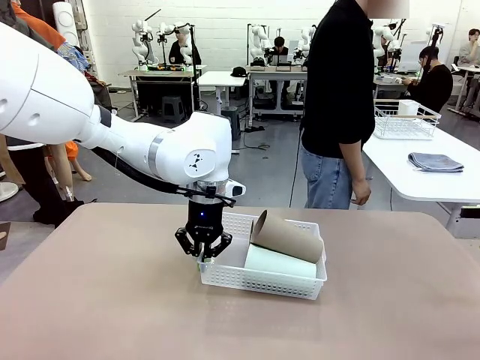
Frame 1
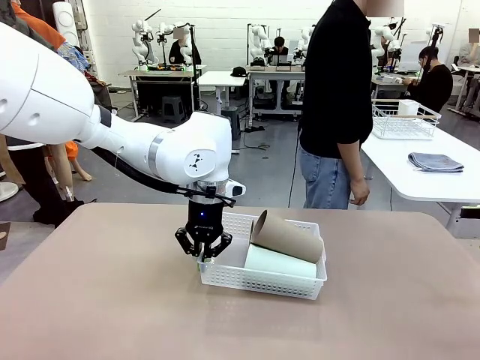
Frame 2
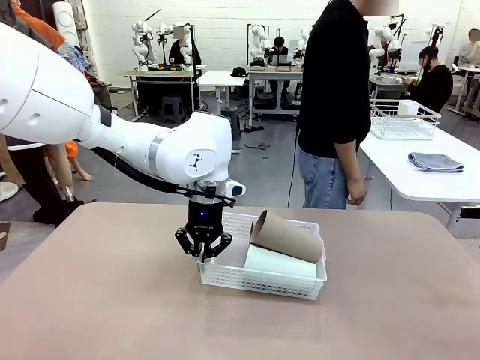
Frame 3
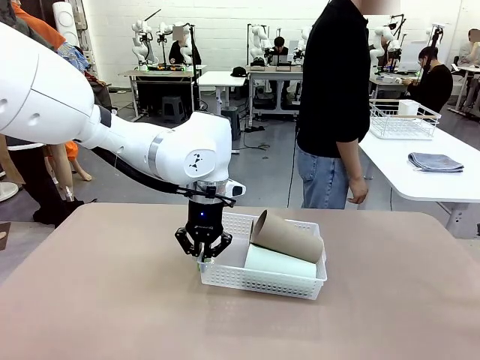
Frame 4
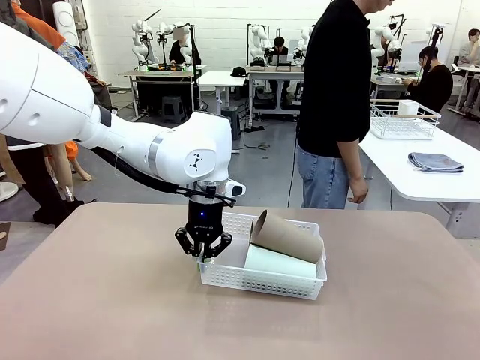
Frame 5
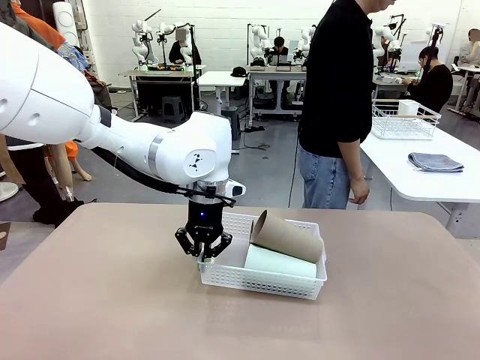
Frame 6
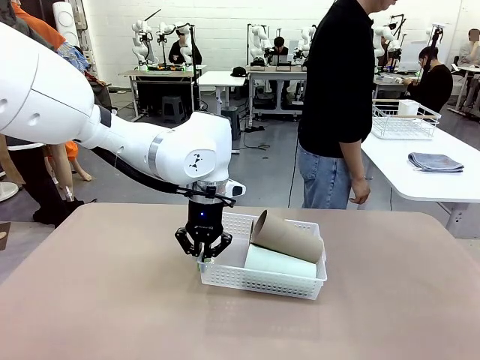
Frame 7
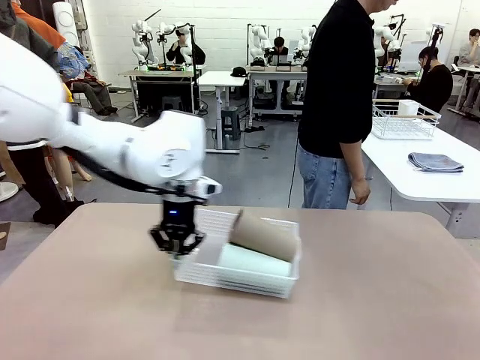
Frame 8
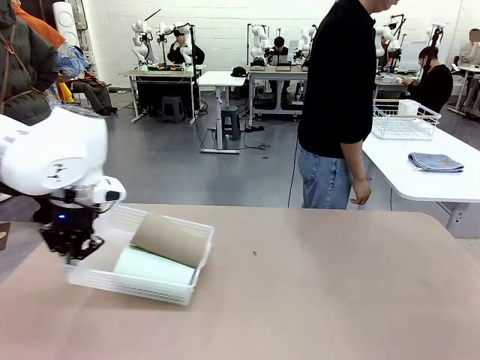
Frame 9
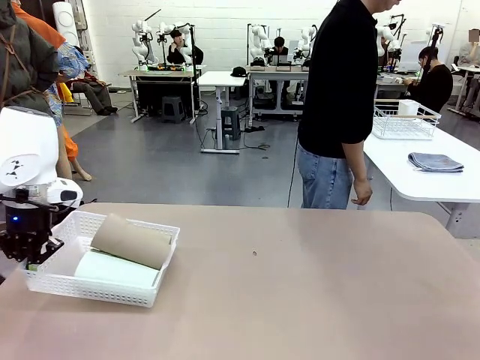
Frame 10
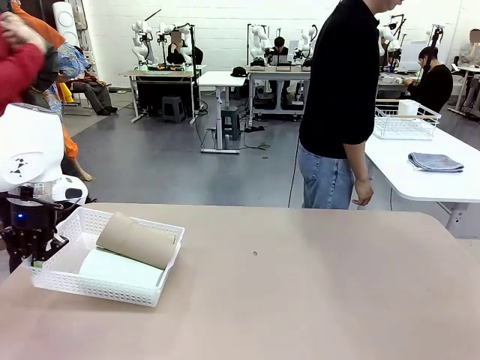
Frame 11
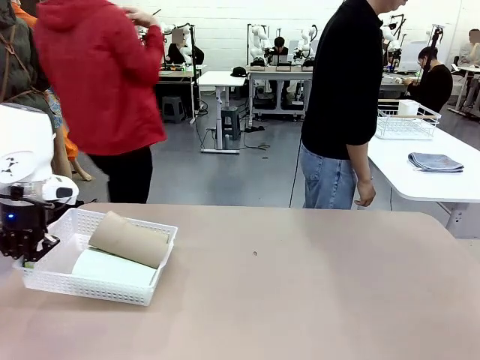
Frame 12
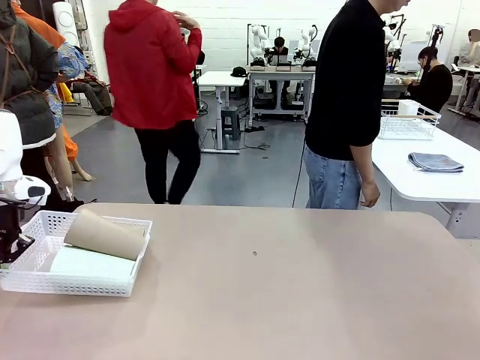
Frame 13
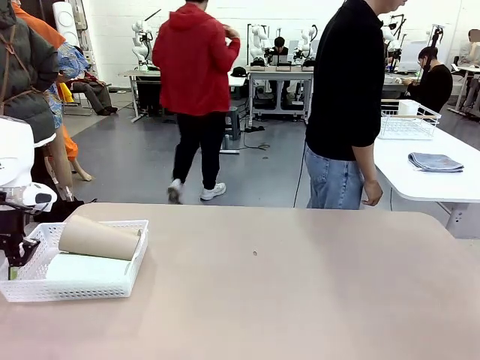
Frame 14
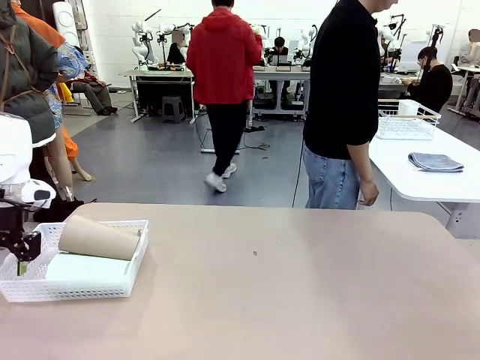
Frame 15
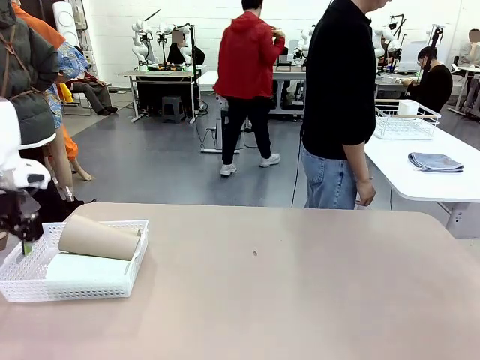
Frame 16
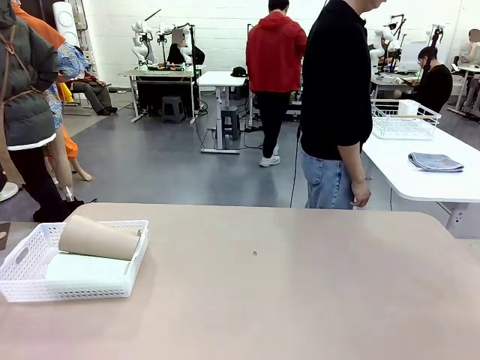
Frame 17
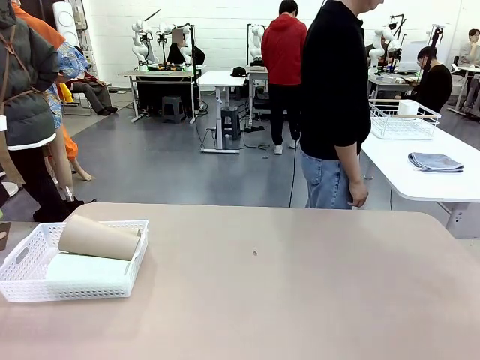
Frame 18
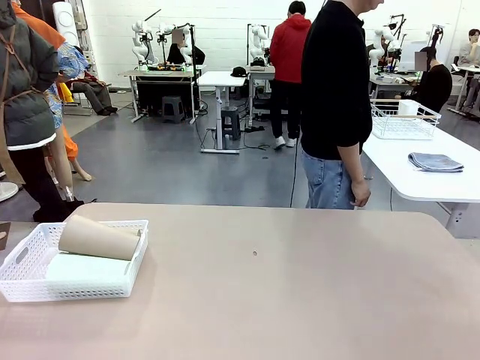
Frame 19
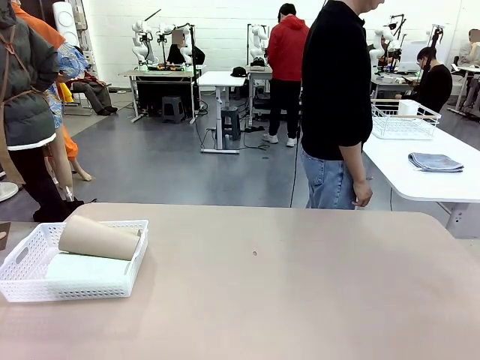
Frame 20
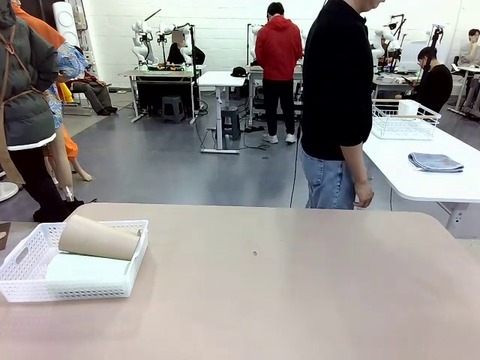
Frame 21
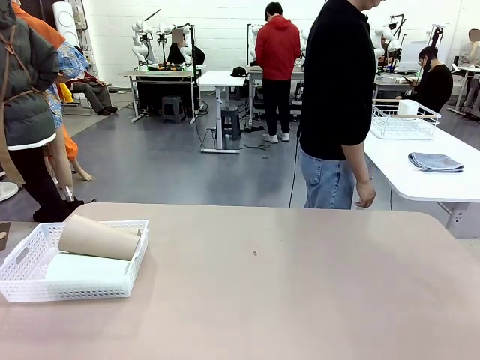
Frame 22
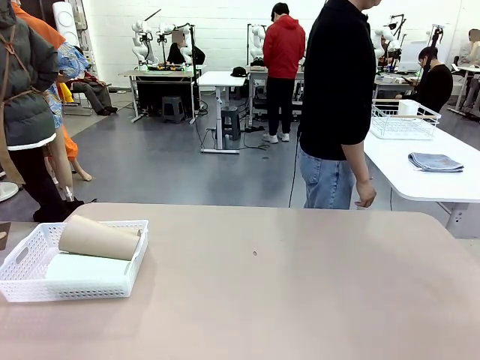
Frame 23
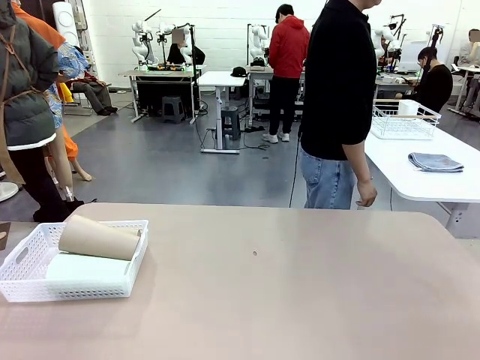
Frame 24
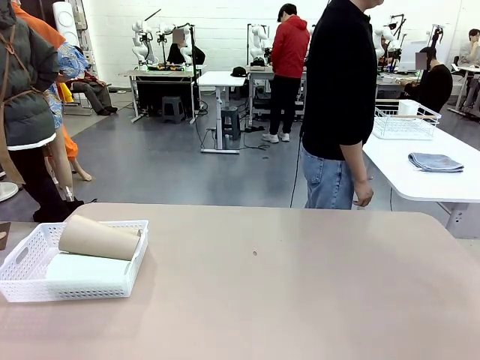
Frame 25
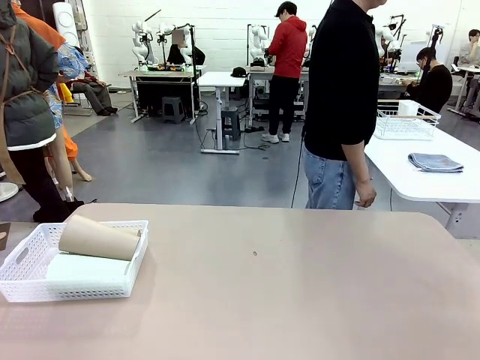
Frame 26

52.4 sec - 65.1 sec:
Task: Clean and organize the cups into the basket.
Robot: Move the Organizing basket back to the left side of the table.
Person: Folds the towel in half twice and places it in the right of the table.

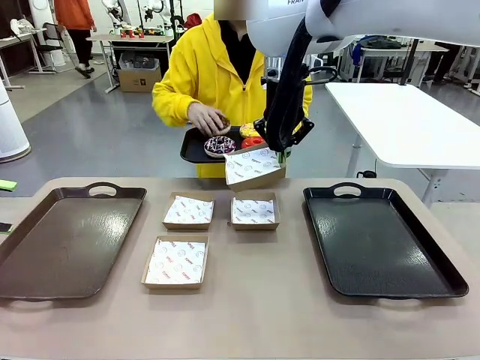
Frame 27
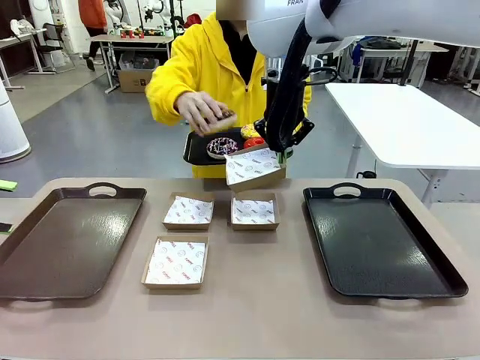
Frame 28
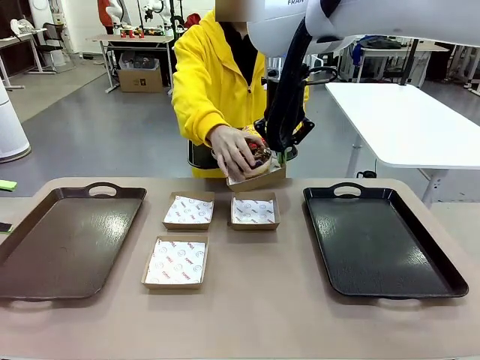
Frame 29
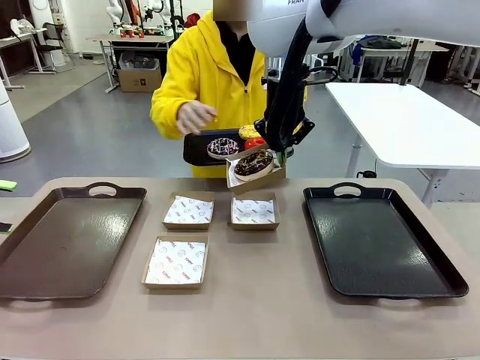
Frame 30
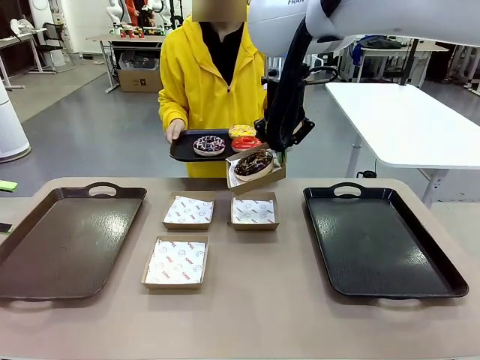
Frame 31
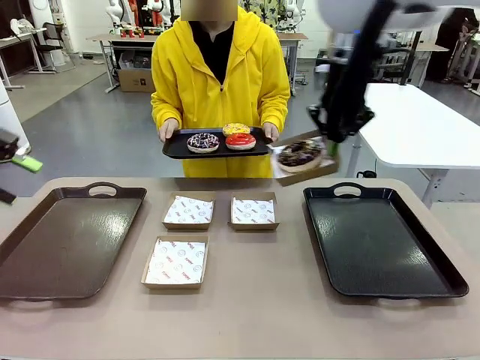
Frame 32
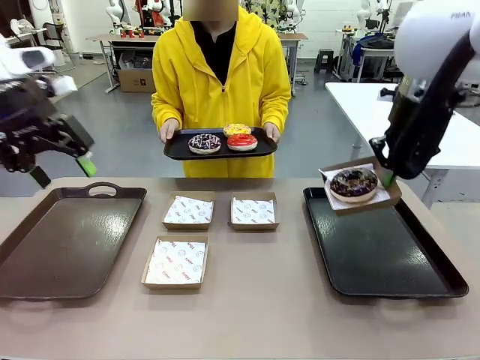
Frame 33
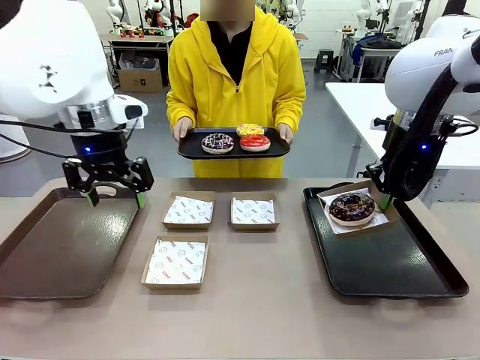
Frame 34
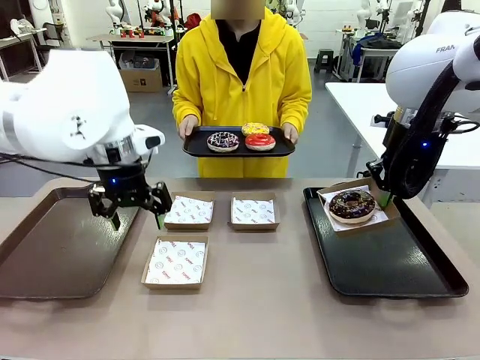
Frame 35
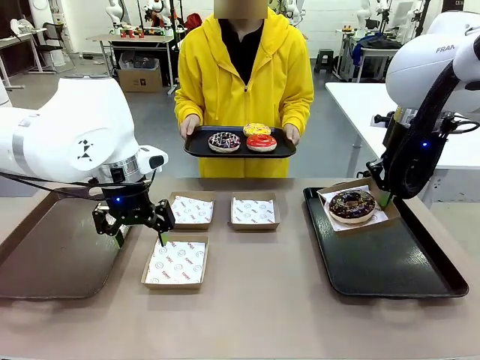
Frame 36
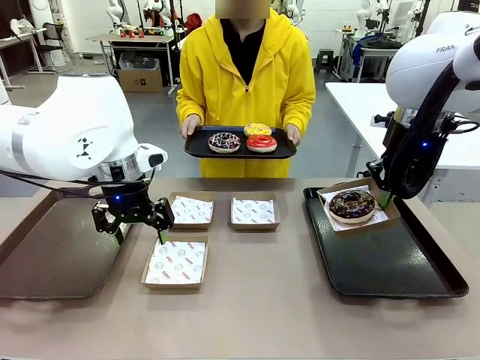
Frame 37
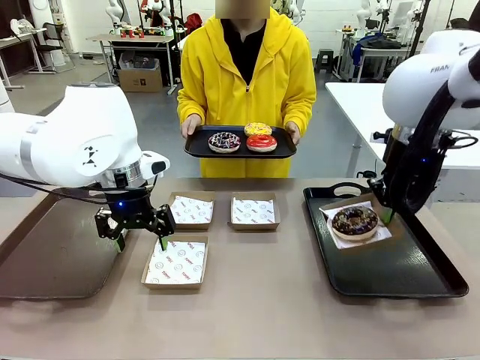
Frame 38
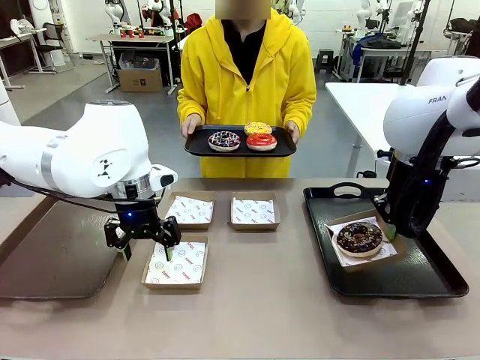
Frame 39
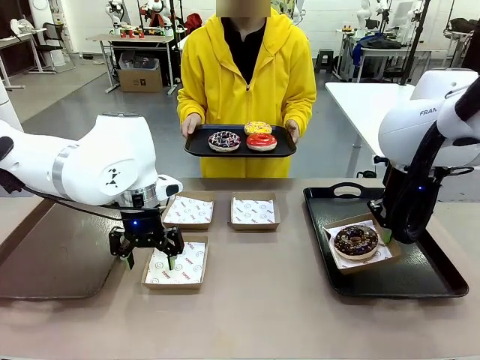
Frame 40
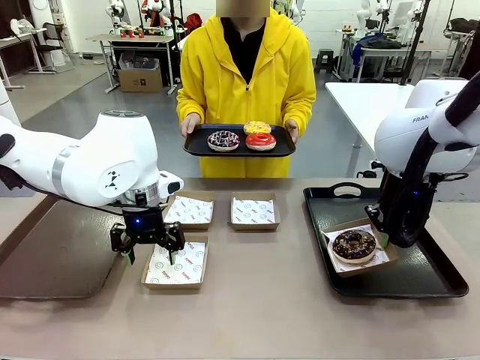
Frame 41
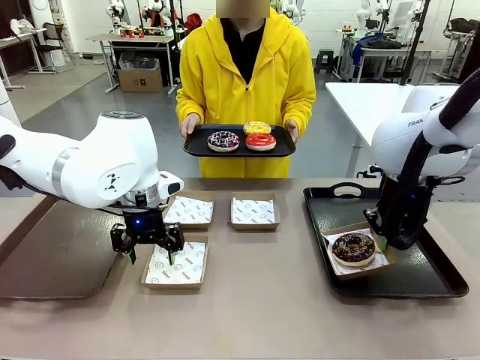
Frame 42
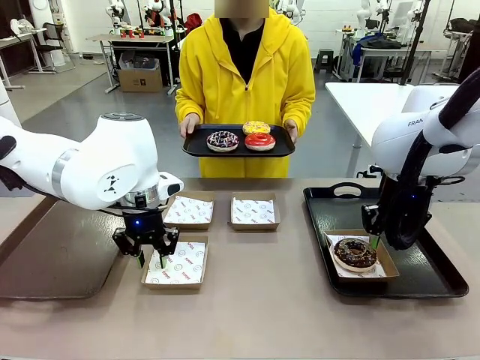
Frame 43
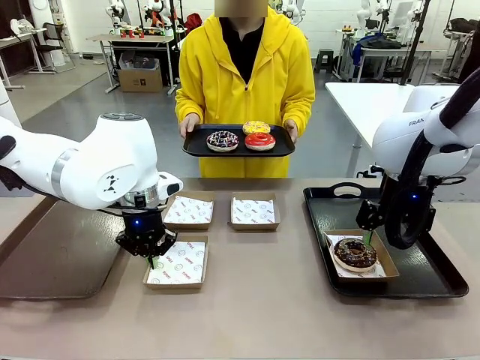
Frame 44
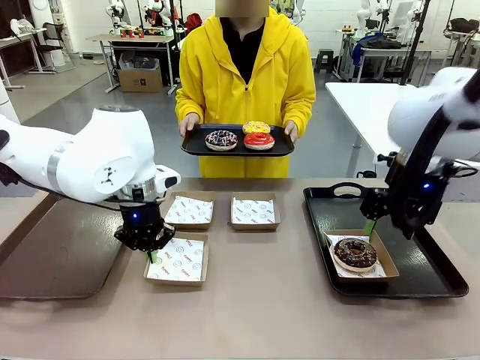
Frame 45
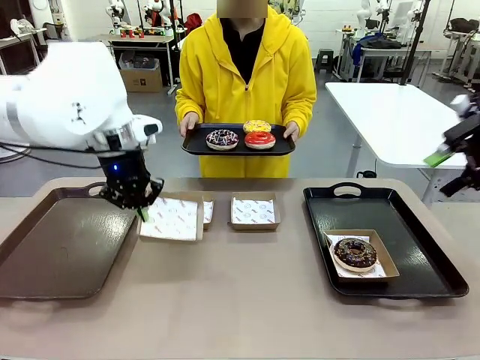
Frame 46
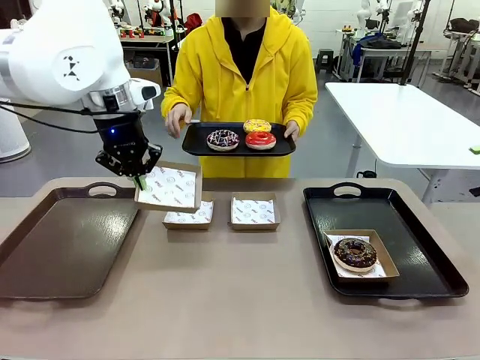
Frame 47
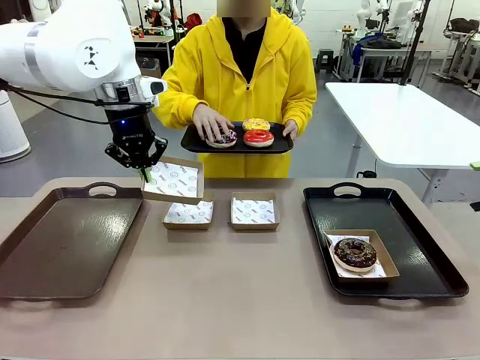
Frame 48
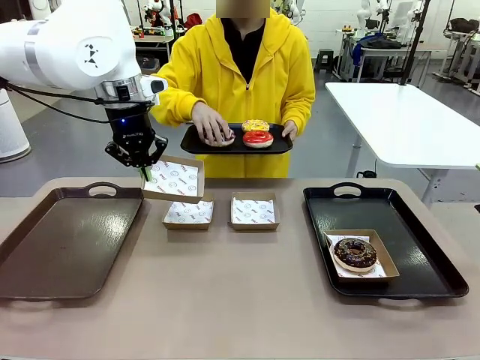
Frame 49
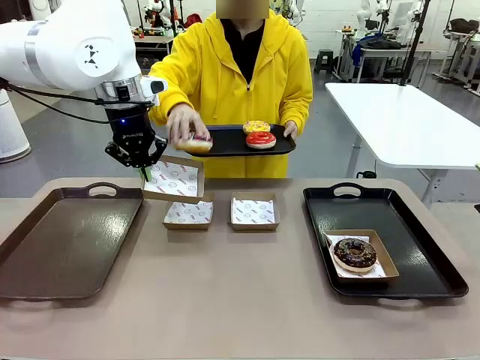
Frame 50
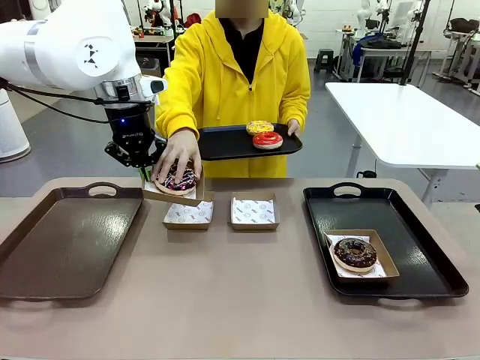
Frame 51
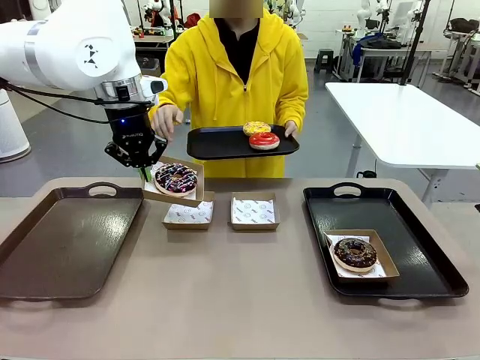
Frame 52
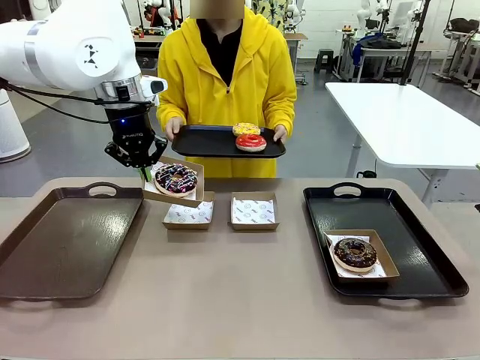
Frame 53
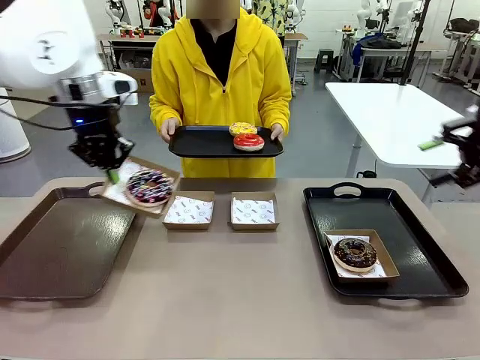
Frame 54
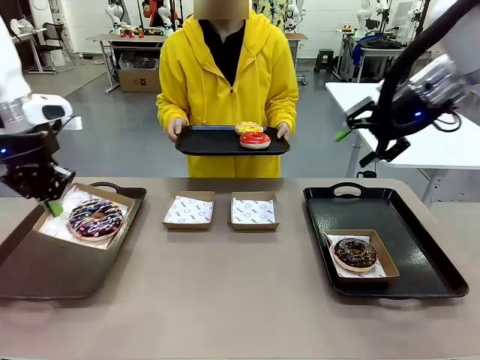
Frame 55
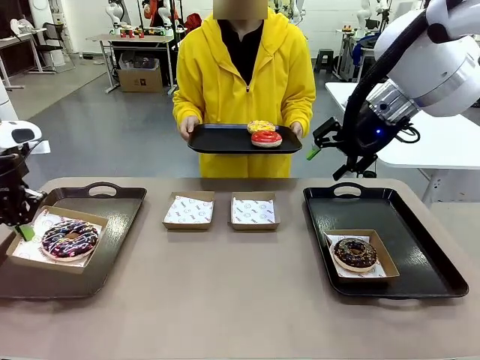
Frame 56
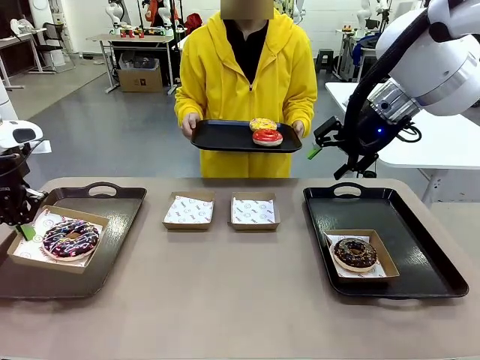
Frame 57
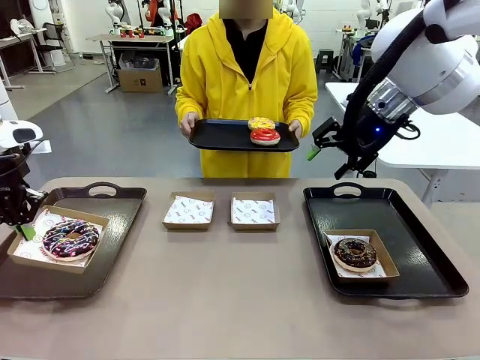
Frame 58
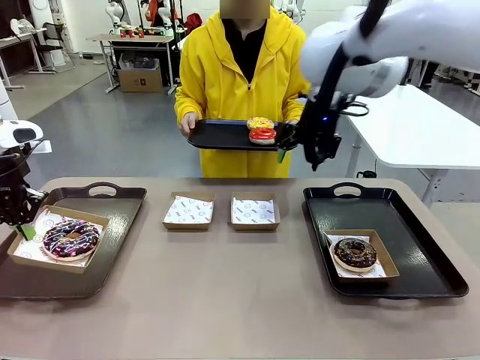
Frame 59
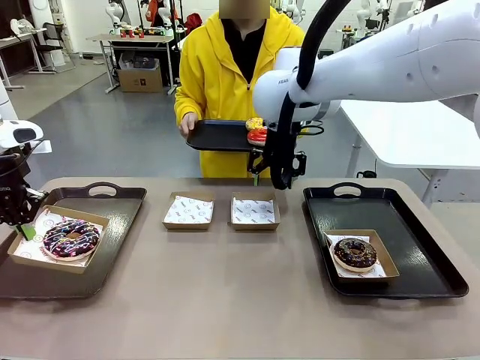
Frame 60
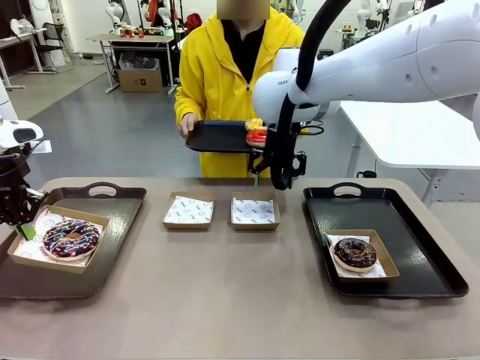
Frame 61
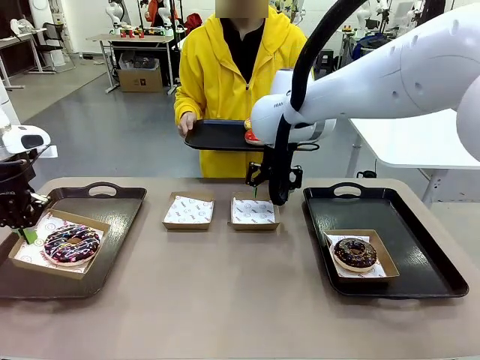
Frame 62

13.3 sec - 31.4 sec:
Task: Individually package the donuts and arrange them on the tray.
Robot: Place the picked Paper togo box on the Handle tray while simultaneously picking up another Paper togo box from the table with the other hand.
